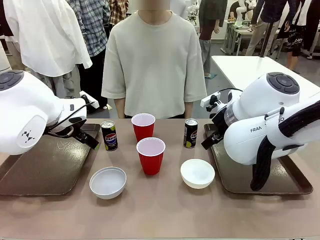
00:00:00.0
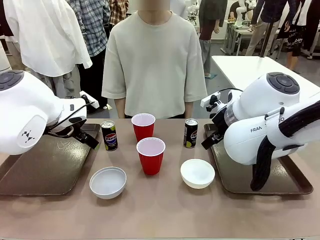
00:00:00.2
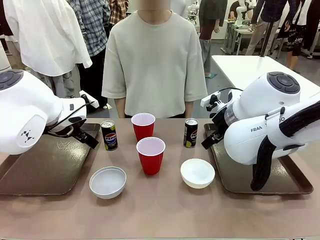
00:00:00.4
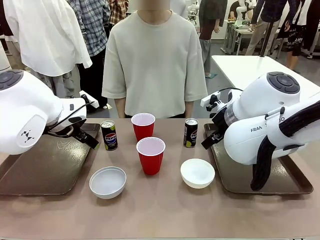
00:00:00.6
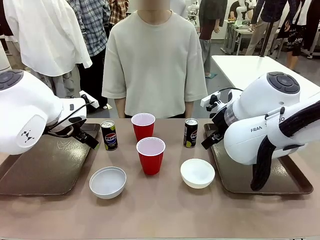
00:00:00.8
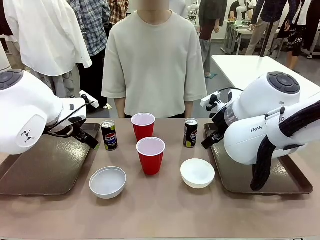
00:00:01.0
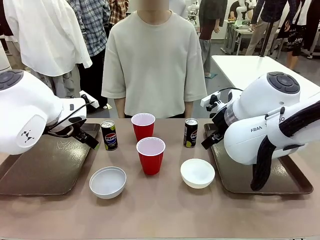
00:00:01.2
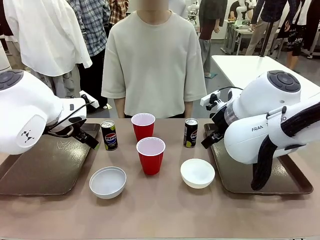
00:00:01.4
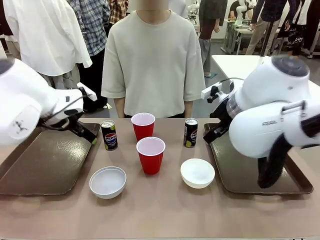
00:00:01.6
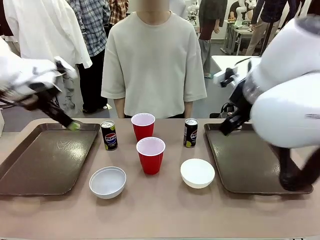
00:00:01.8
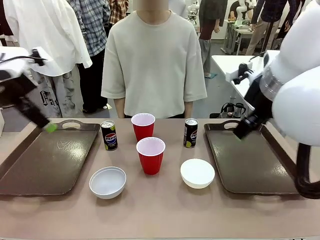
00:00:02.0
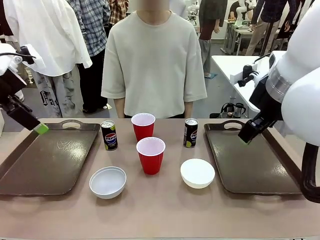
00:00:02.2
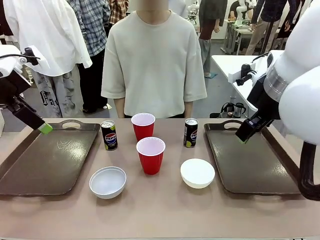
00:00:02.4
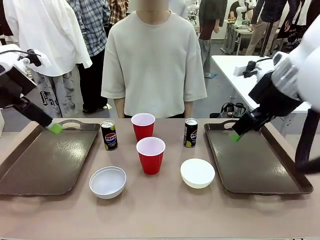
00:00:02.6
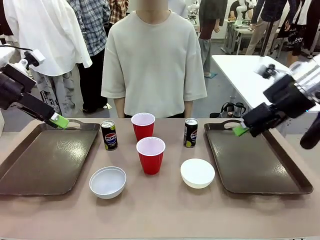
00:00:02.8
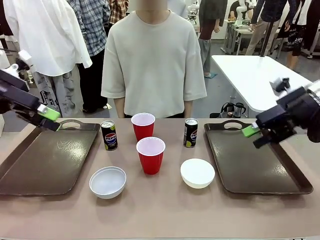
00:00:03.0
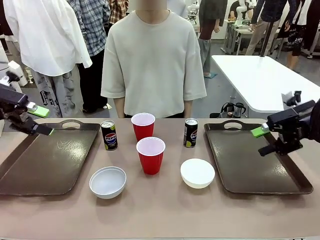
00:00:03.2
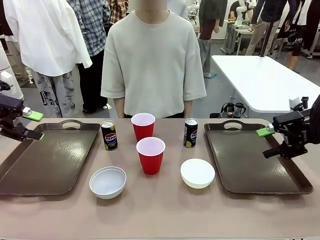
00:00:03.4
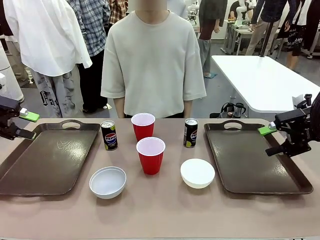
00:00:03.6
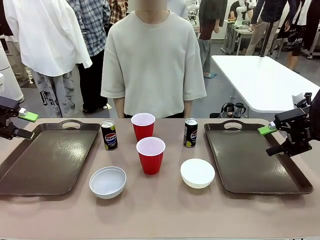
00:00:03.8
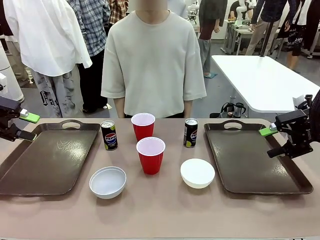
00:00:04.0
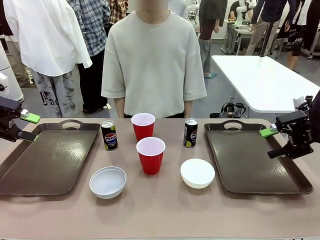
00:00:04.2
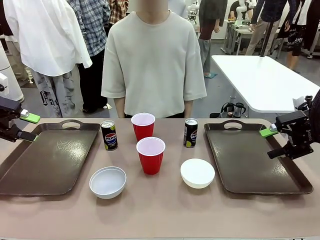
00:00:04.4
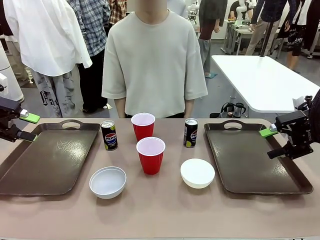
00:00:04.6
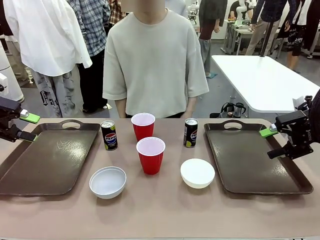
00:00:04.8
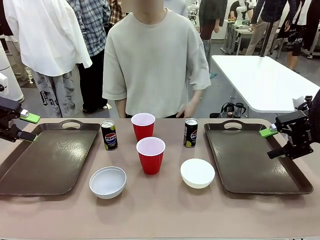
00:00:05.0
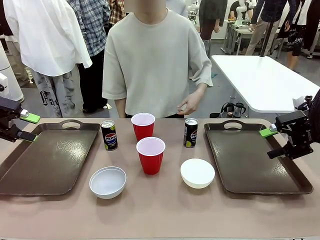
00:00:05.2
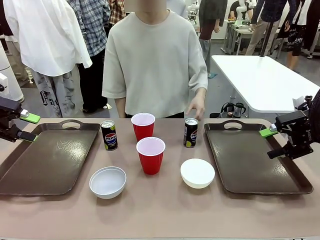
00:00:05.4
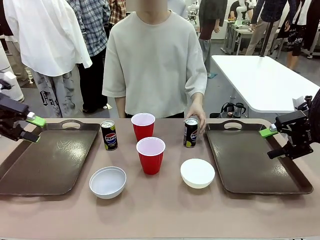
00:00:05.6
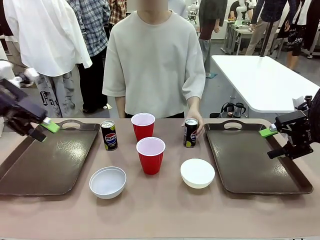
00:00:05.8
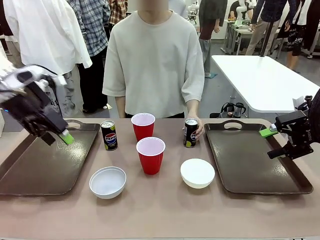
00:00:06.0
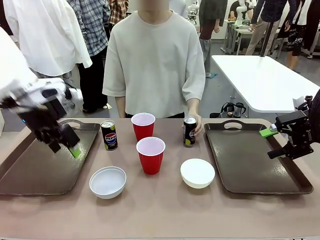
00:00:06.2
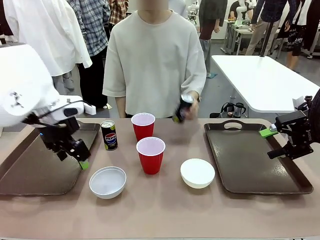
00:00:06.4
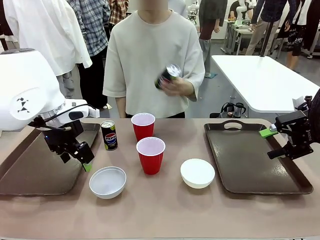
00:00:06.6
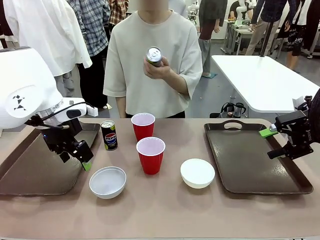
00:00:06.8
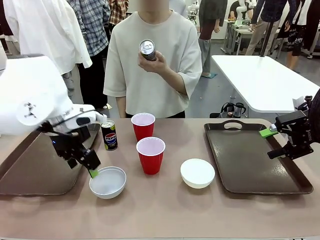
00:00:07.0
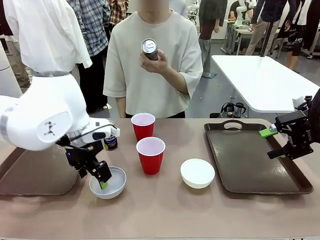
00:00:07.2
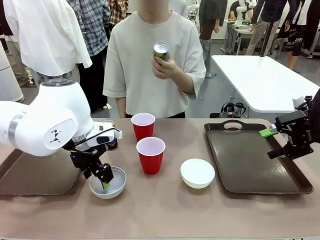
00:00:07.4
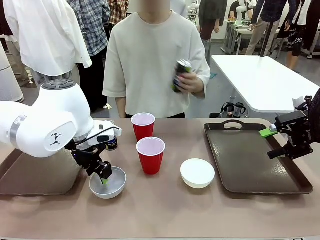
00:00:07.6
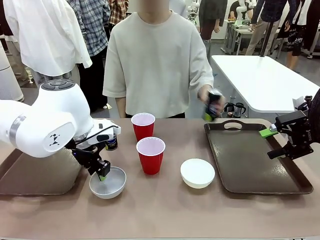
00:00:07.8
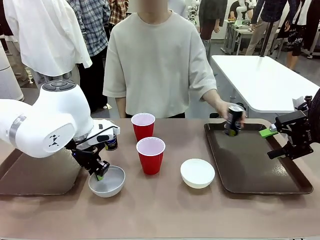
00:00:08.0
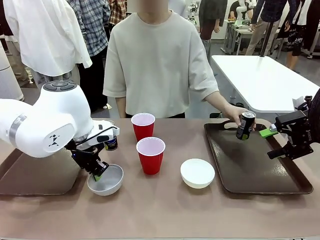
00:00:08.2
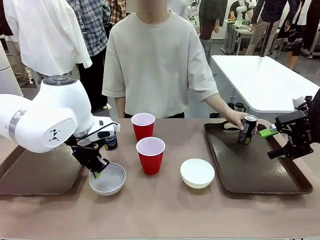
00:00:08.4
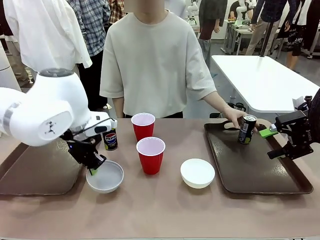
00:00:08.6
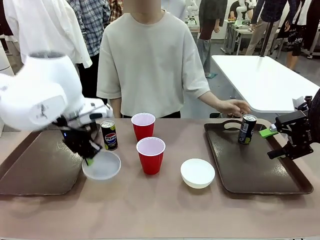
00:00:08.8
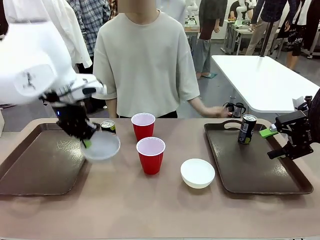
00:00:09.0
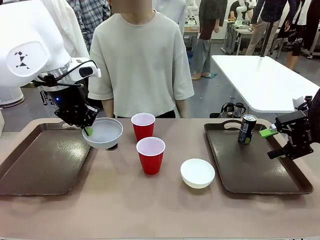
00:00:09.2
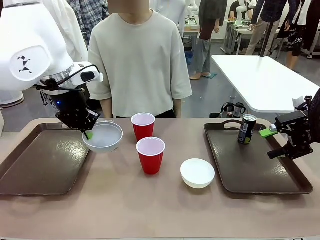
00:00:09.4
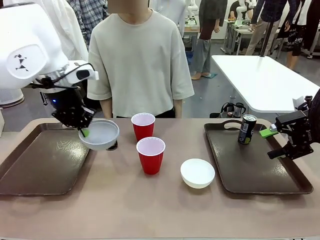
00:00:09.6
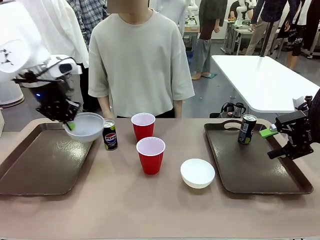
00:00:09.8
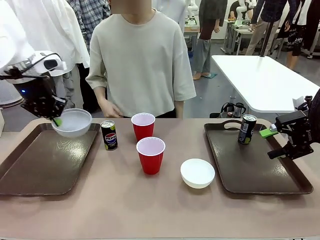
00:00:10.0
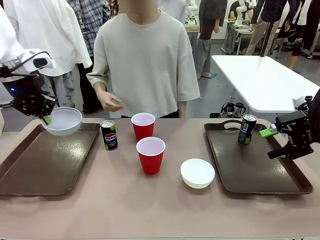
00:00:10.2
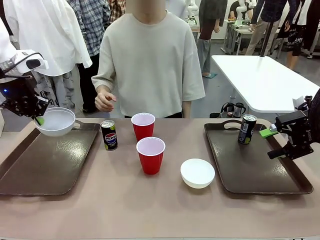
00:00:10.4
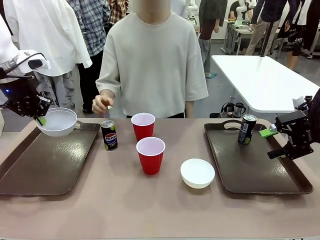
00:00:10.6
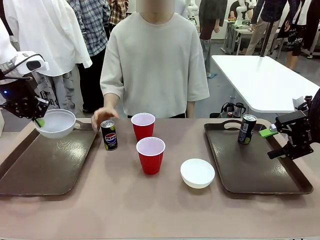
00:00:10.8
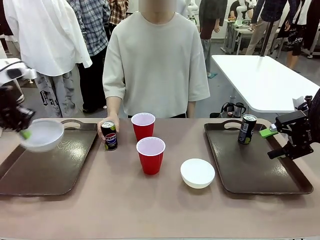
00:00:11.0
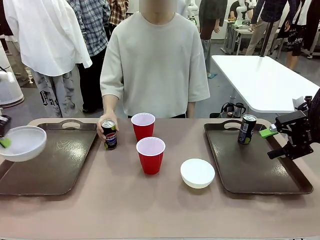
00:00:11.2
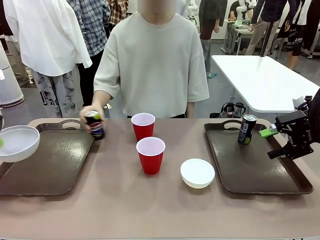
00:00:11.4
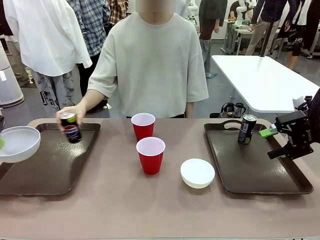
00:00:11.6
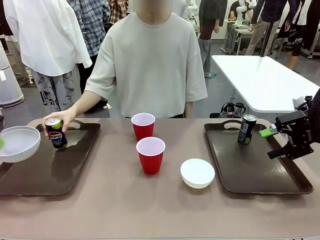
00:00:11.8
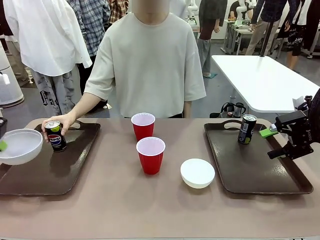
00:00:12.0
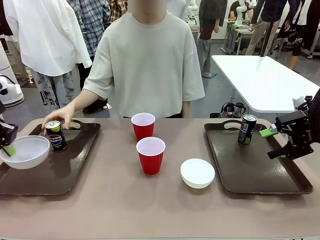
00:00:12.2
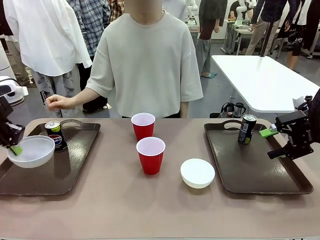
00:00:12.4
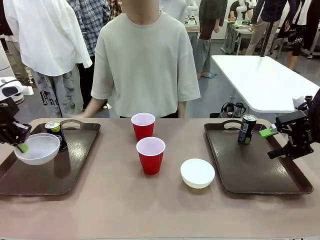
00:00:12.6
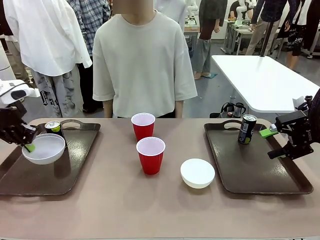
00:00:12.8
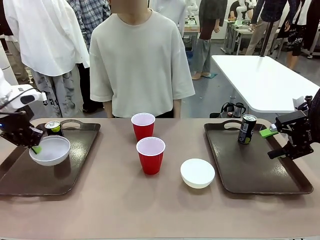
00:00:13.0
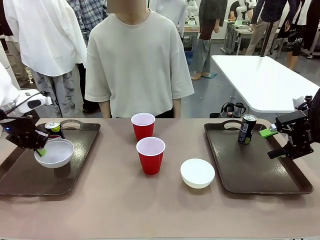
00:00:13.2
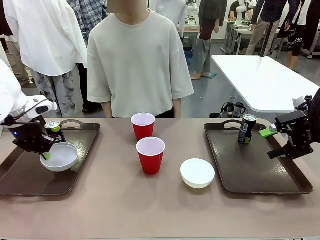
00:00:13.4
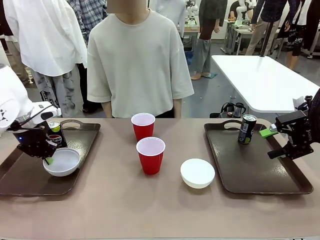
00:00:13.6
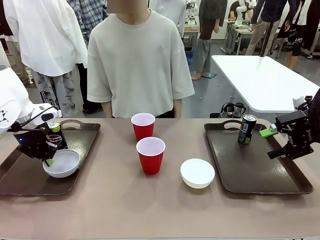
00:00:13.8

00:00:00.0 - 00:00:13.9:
Task: Prepare tableware on both trays.
Robot: Pick up a Picnic Bowl from the table and place it on a Handle tray.
Person: Pick up a can or cup and place it on the tray.
